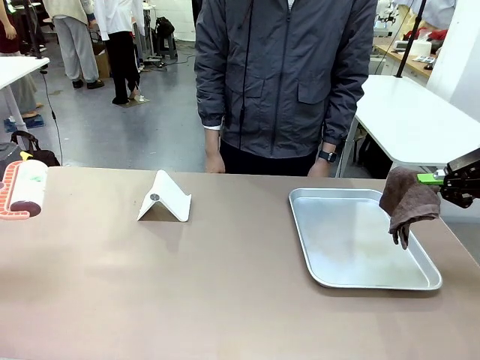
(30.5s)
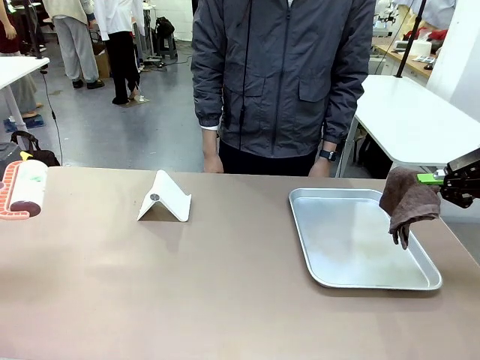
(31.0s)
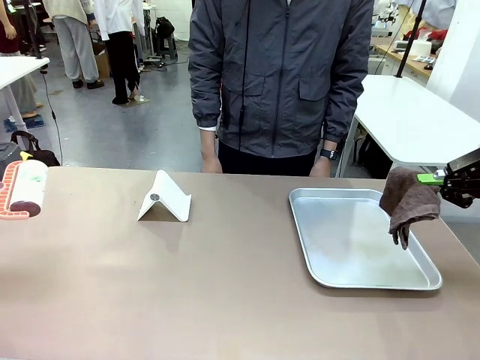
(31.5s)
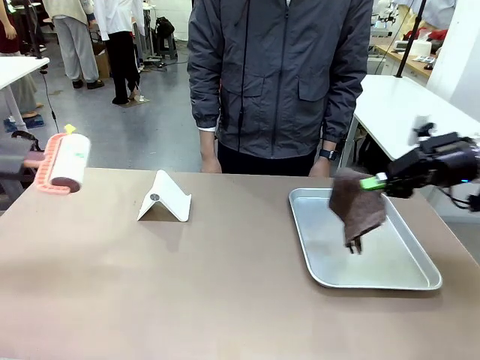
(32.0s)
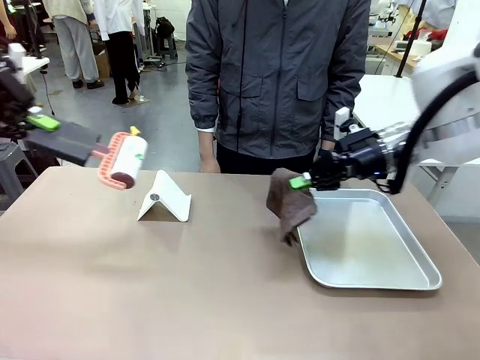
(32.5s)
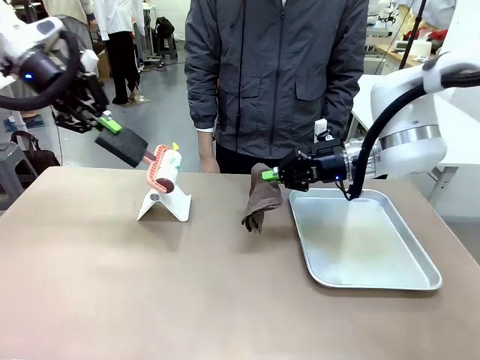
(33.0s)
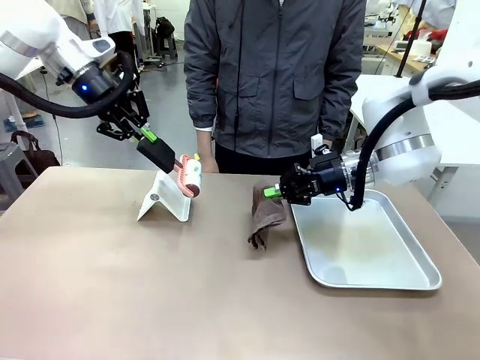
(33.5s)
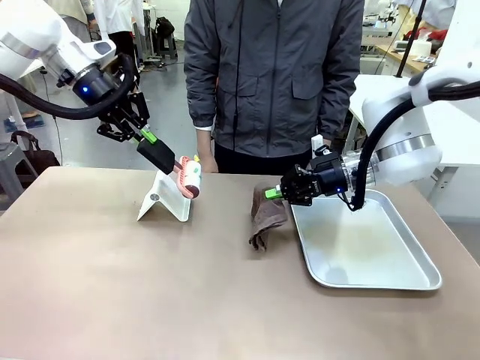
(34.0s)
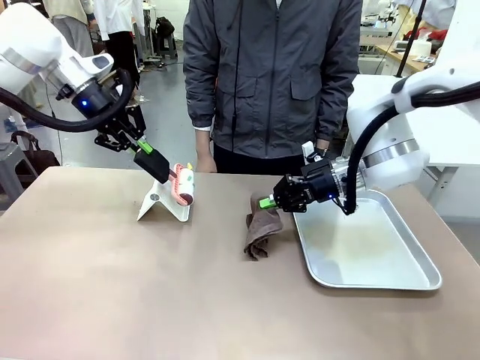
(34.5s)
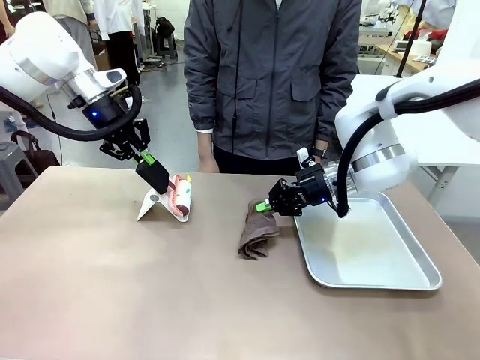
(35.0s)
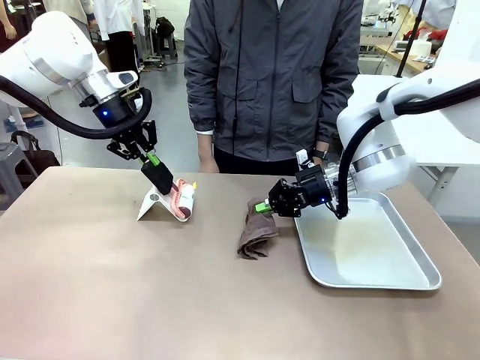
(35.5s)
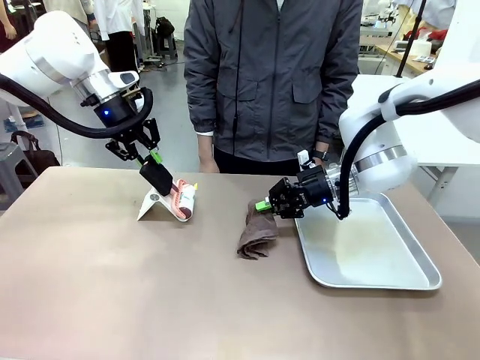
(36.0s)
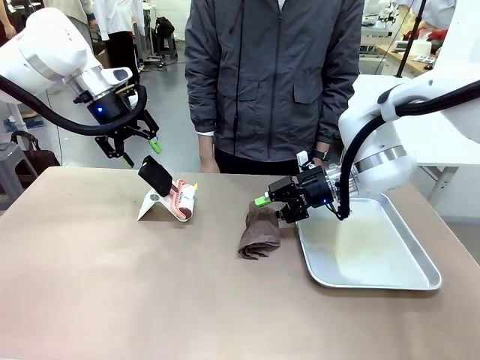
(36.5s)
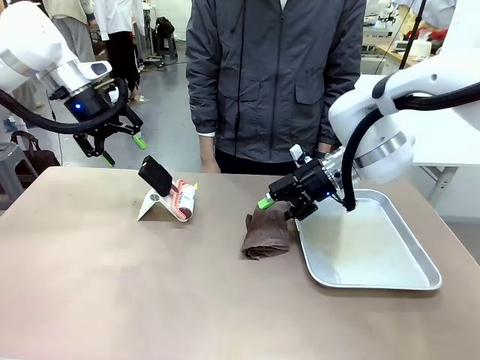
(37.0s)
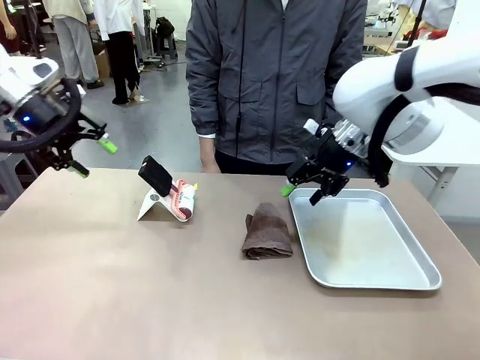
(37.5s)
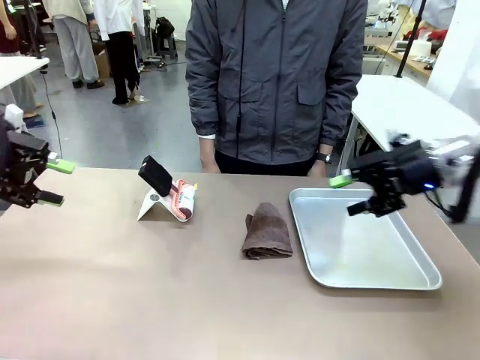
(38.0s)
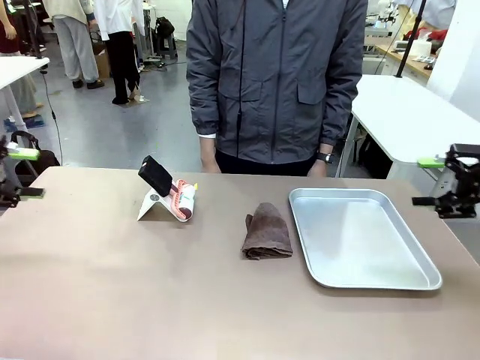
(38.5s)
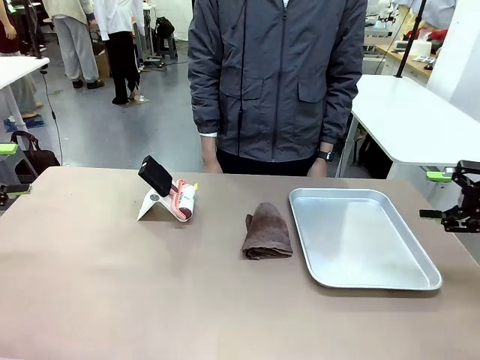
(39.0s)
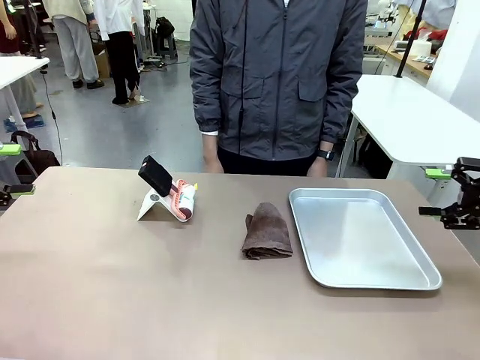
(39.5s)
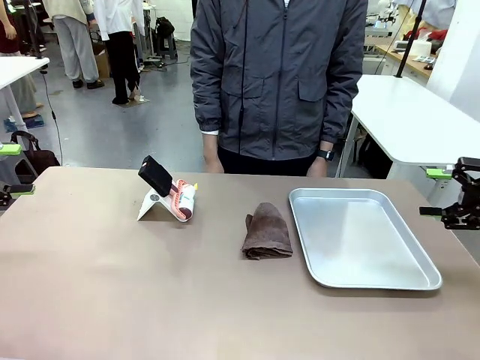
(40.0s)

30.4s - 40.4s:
Task: Clean the surface of the table.
Robot: Return the Lint Roller and towel to their original positions.

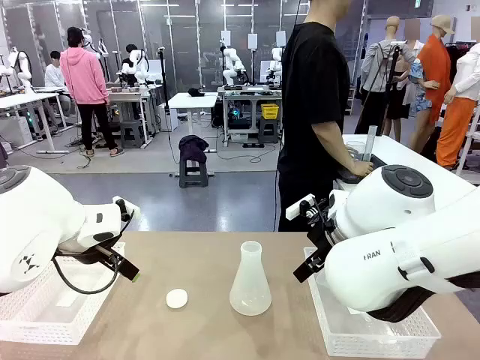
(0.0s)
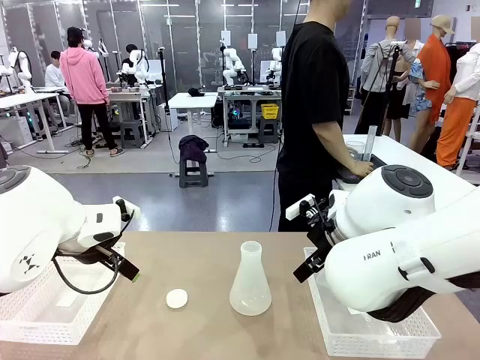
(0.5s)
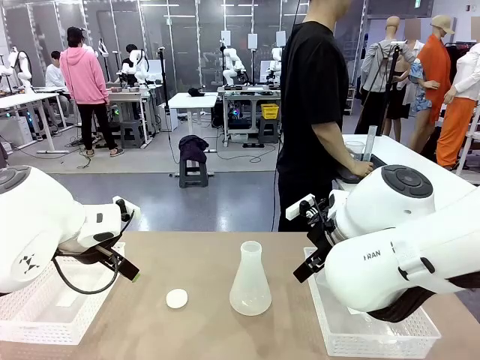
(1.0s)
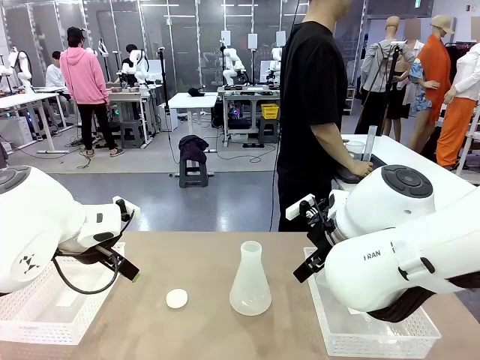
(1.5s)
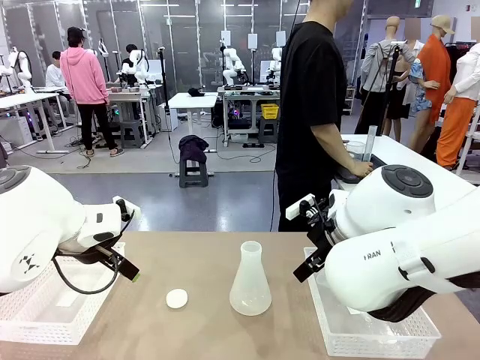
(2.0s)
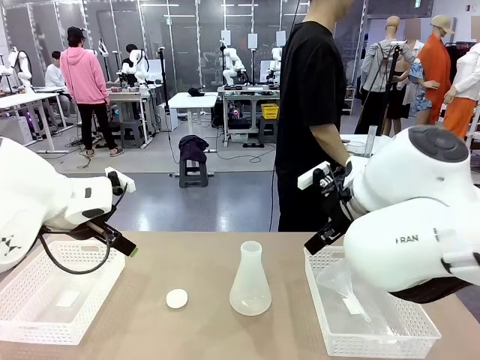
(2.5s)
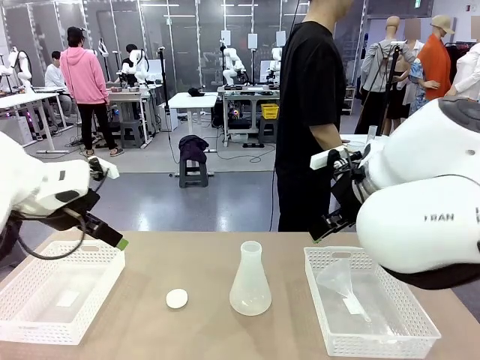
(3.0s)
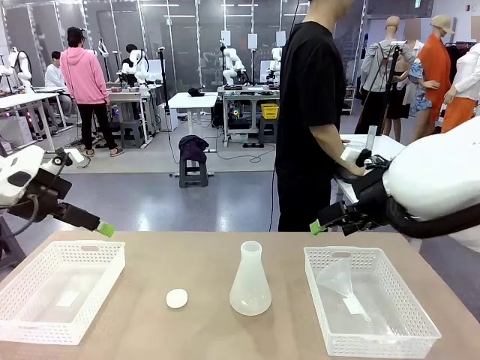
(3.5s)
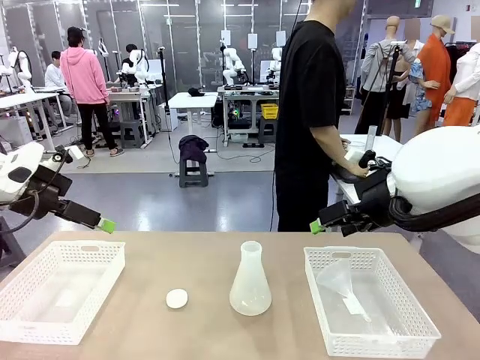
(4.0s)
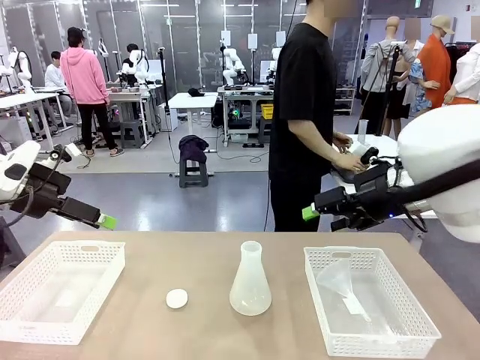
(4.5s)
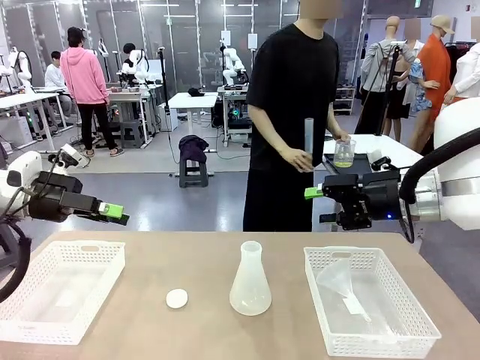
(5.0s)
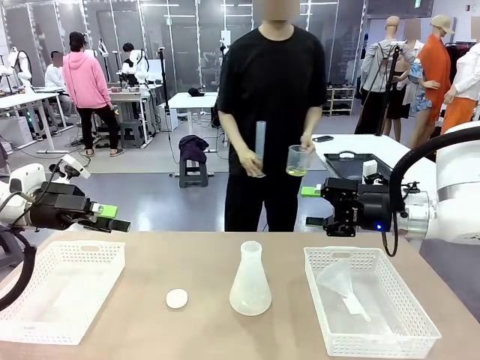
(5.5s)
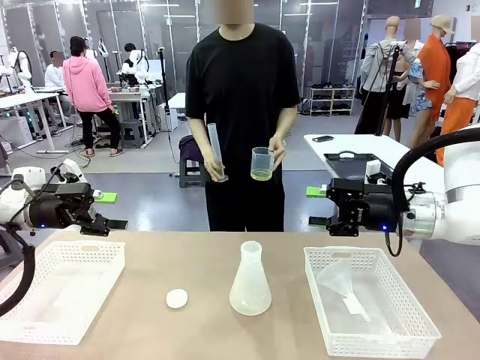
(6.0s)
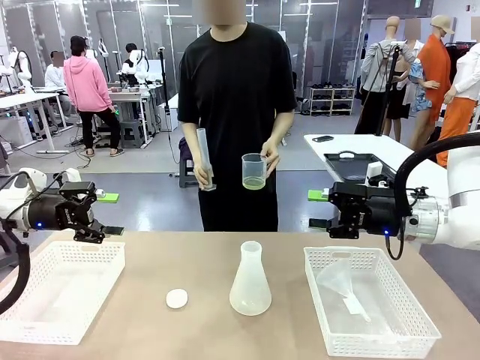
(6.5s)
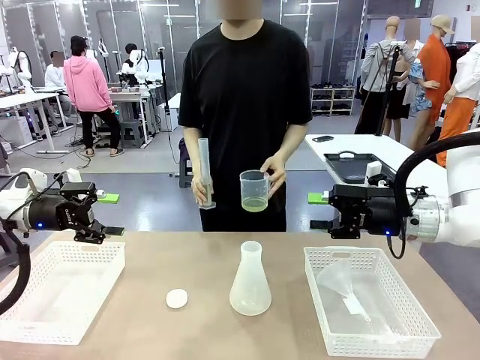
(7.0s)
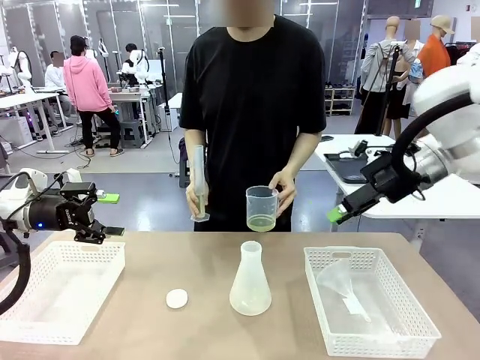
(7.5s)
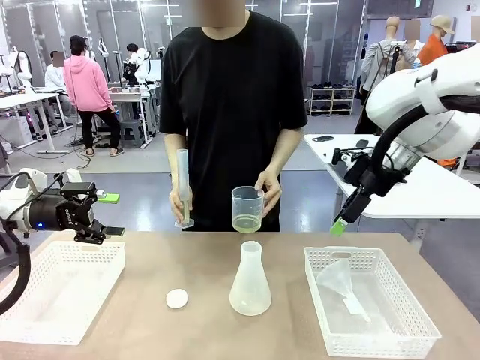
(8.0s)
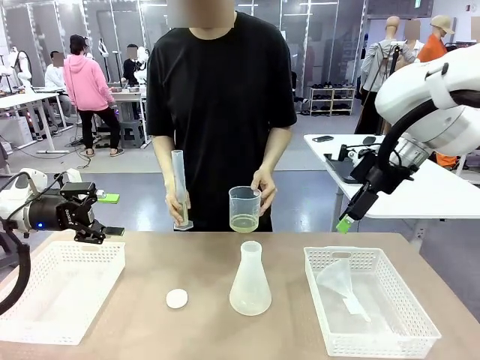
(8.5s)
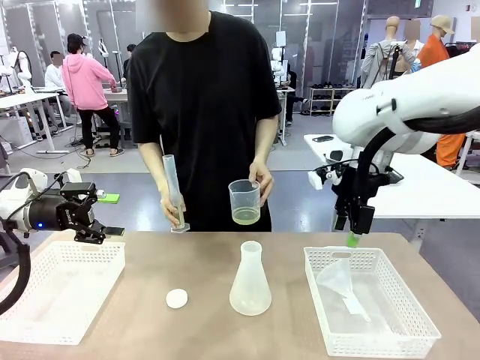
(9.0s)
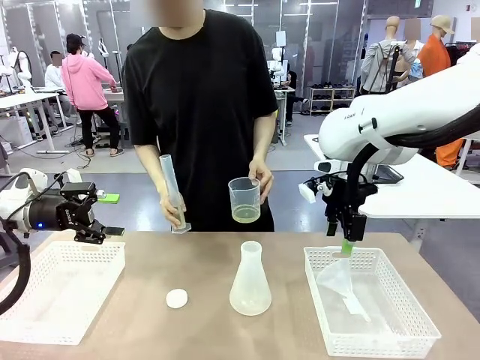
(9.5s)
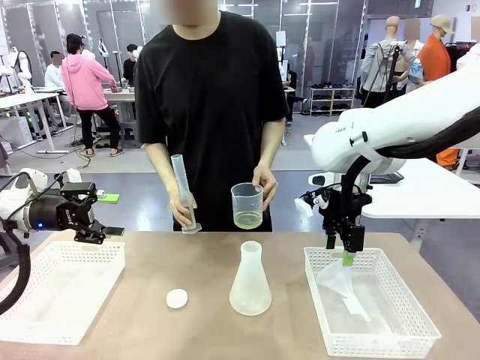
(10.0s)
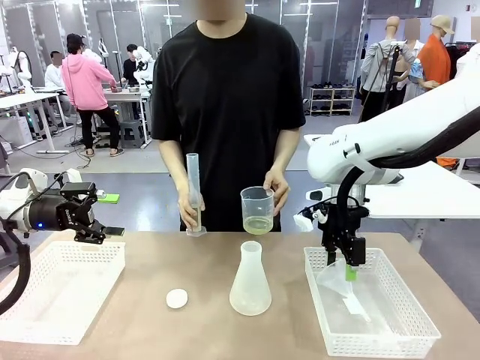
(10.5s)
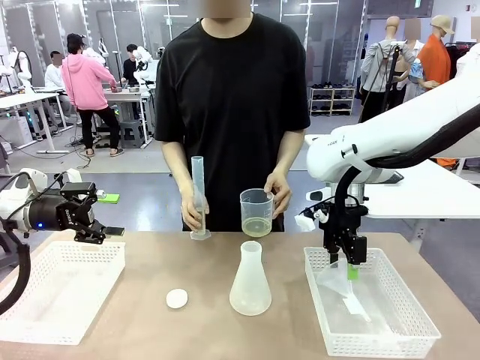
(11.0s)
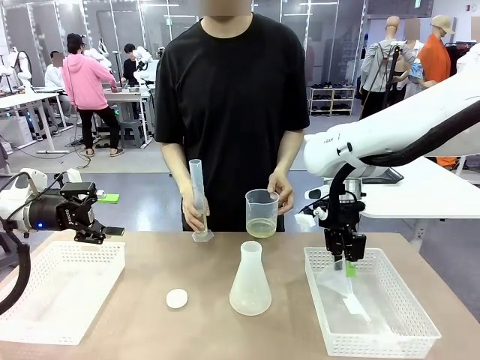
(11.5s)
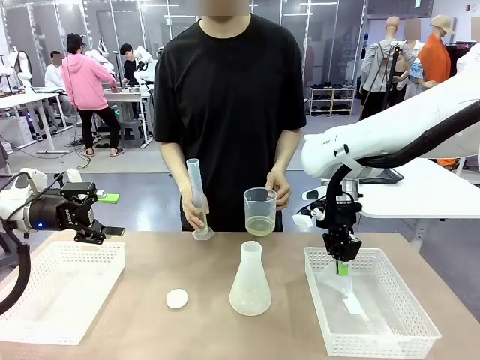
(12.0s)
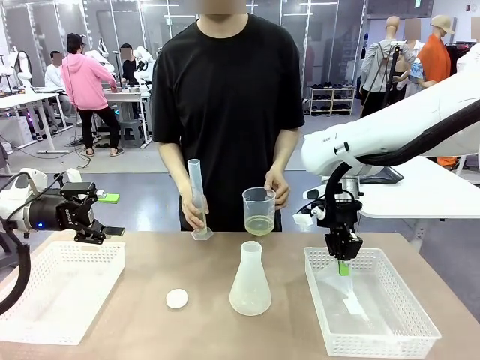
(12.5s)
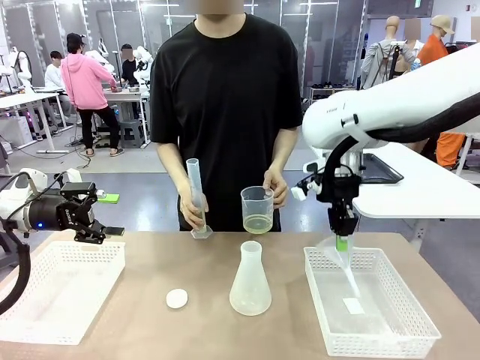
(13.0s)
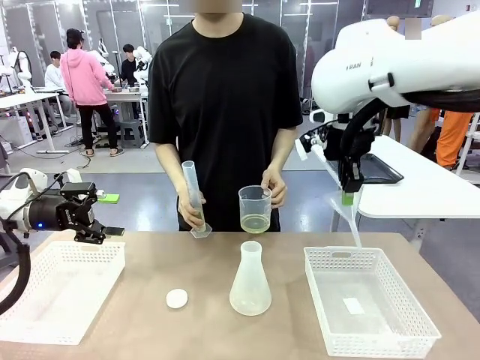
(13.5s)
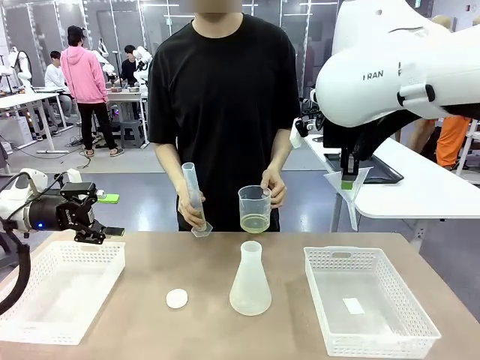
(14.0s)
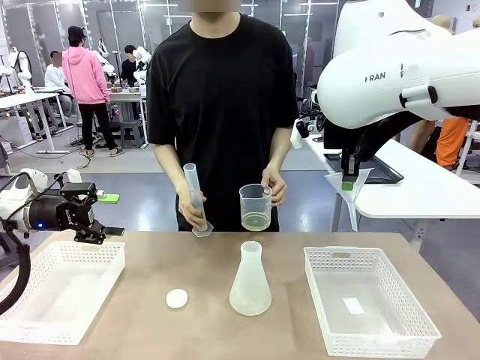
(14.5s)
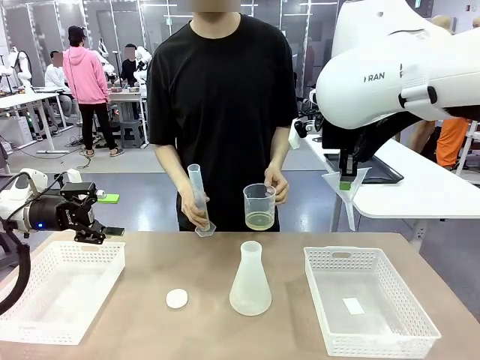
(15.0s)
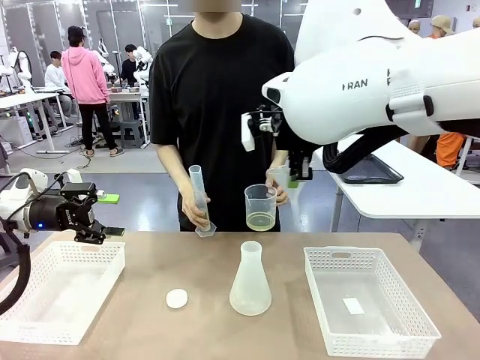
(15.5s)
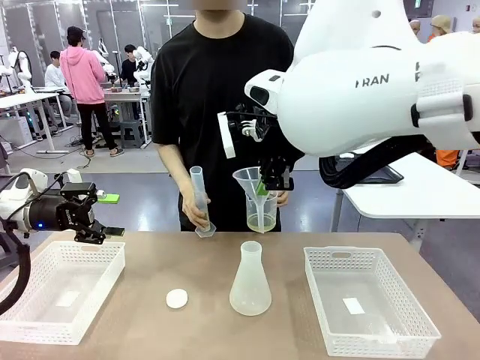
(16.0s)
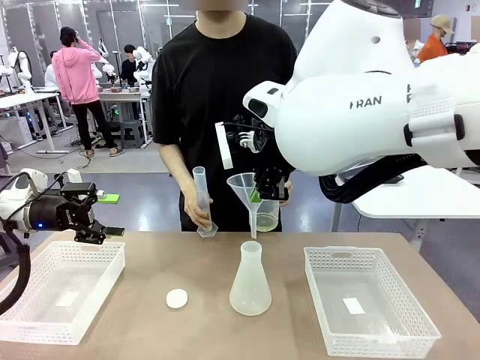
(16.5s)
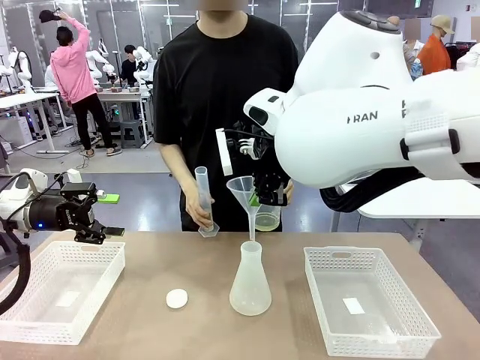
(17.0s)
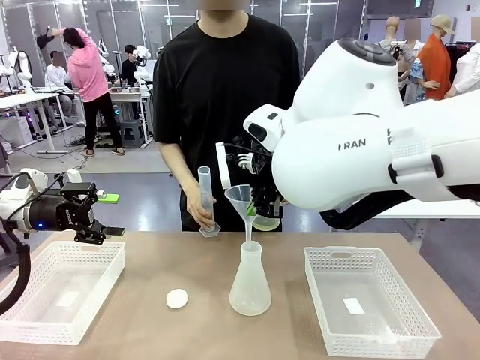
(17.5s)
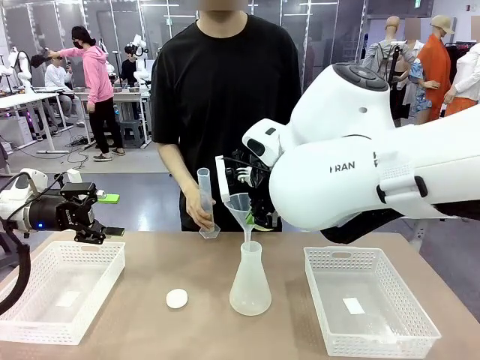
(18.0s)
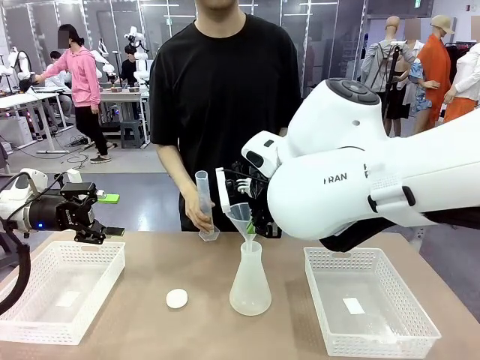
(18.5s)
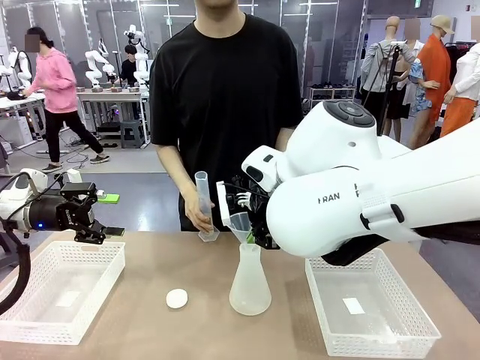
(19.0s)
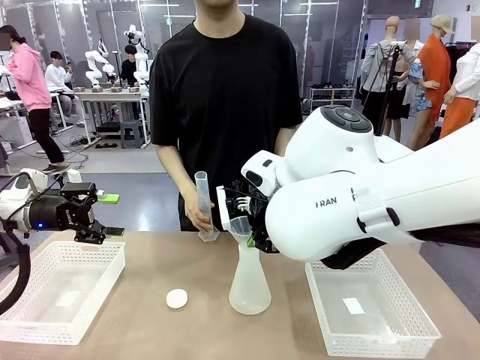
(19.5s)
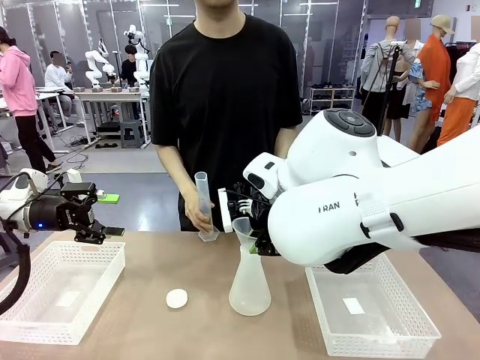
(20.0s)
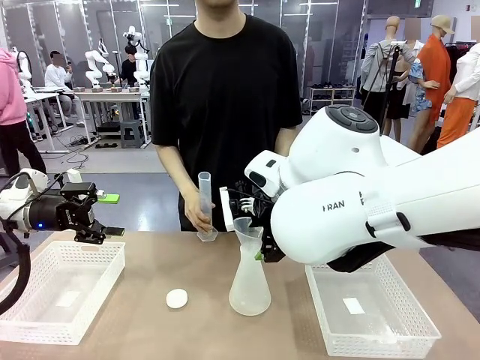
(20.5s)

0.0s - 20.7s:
Task: Prepare the solutions needed for the experiment.
Robot: Pick up the Plastic Funnel and insert it into the Big flask.
Person: Pick up the beaker and the cylinder and move to the middle of the robot table. Pour the solution from the beaker and the cylinder into the flask.
